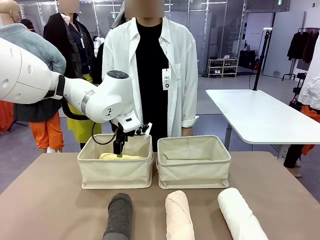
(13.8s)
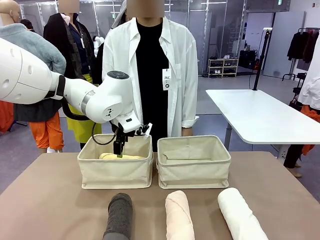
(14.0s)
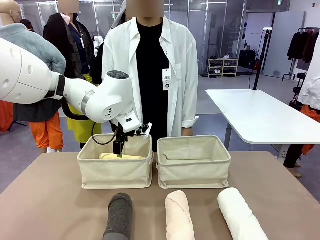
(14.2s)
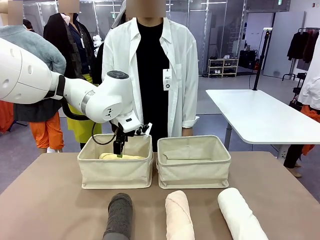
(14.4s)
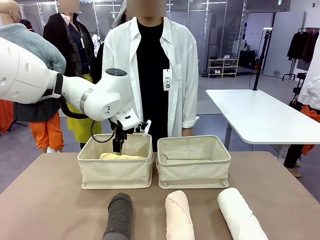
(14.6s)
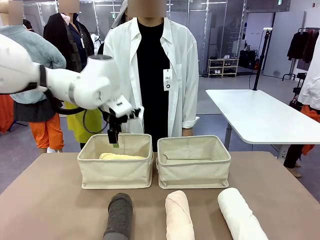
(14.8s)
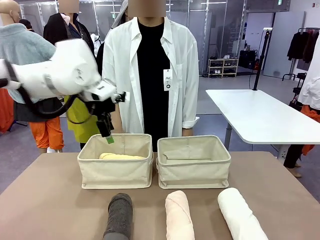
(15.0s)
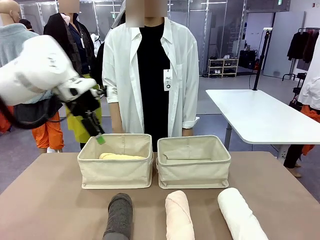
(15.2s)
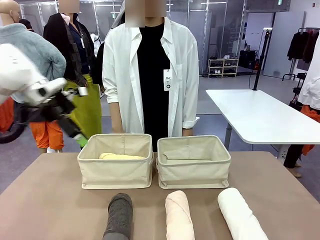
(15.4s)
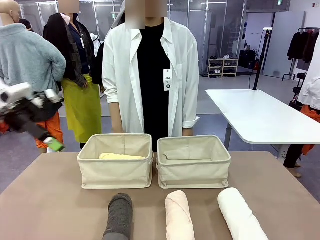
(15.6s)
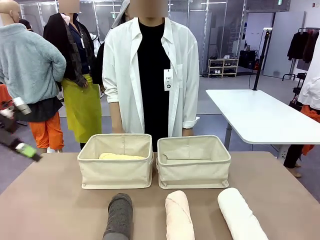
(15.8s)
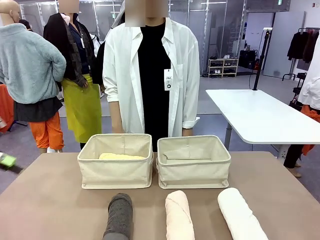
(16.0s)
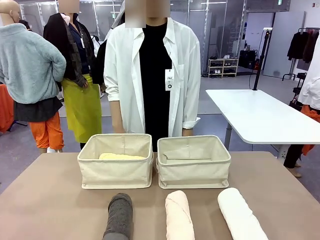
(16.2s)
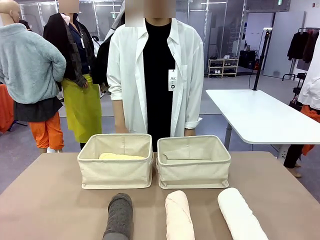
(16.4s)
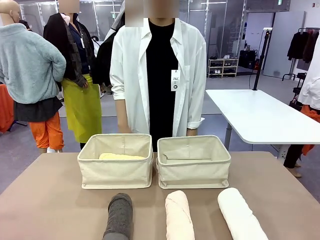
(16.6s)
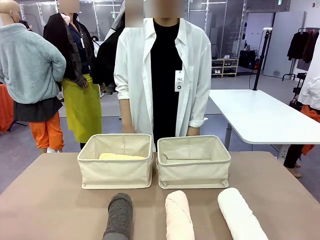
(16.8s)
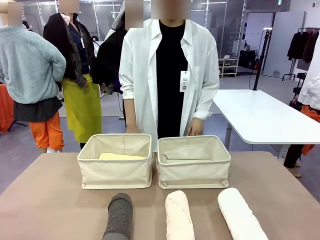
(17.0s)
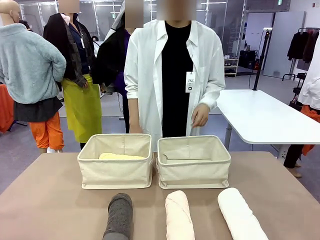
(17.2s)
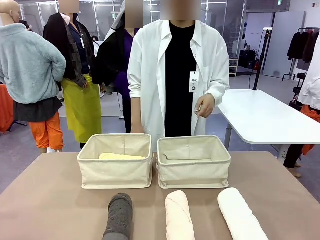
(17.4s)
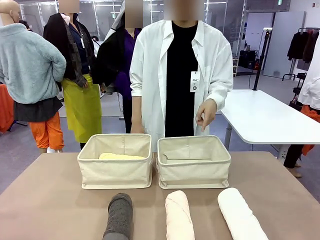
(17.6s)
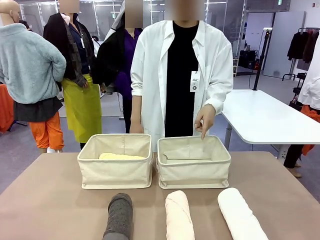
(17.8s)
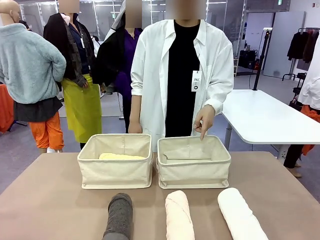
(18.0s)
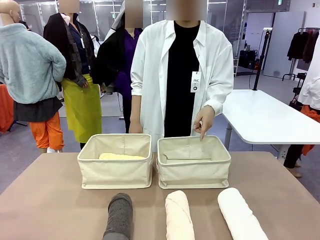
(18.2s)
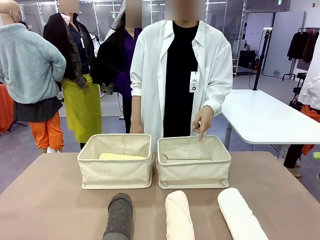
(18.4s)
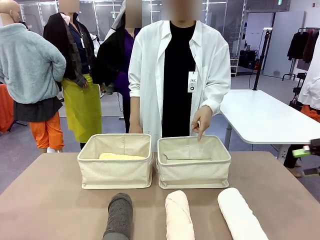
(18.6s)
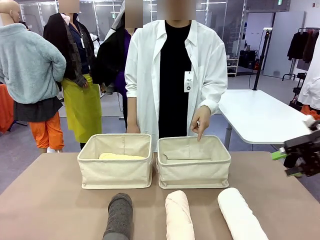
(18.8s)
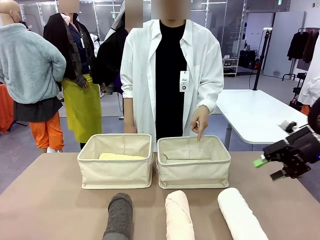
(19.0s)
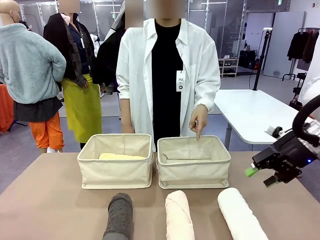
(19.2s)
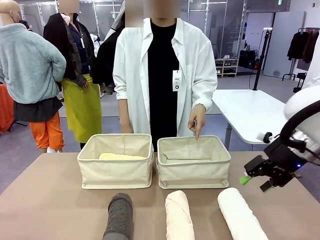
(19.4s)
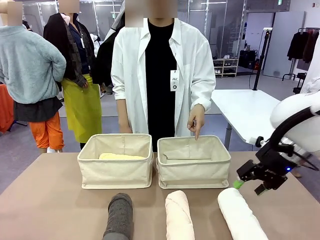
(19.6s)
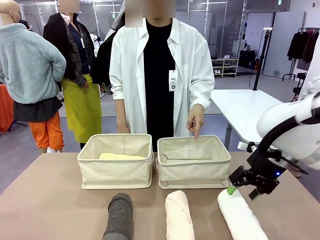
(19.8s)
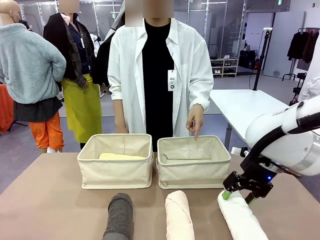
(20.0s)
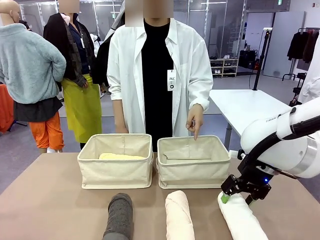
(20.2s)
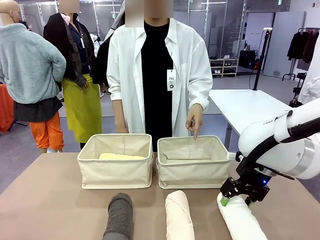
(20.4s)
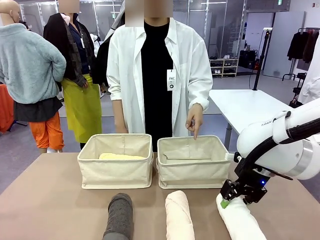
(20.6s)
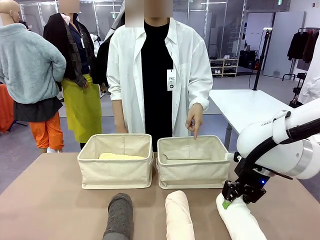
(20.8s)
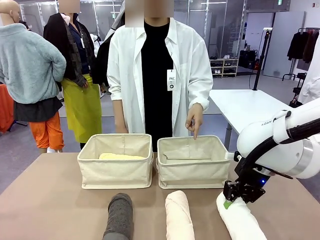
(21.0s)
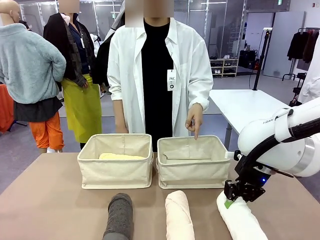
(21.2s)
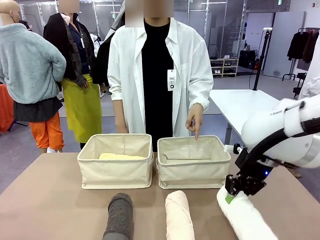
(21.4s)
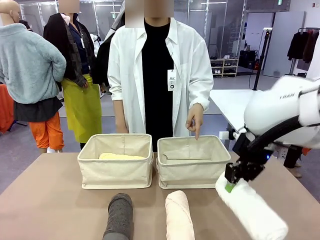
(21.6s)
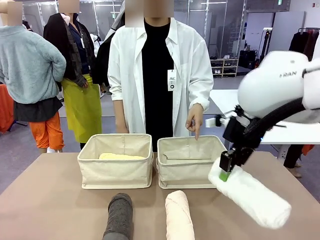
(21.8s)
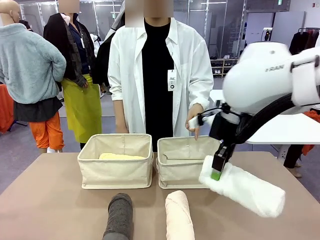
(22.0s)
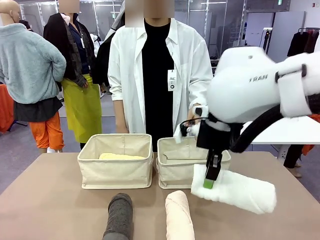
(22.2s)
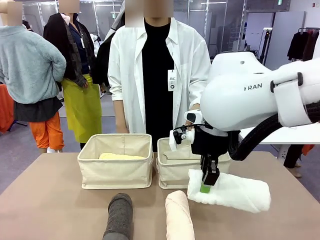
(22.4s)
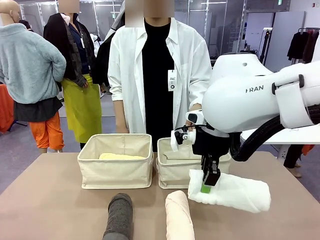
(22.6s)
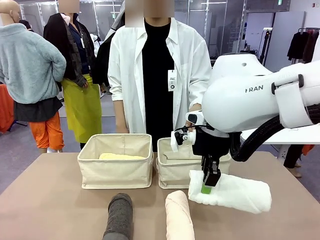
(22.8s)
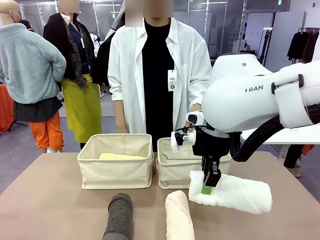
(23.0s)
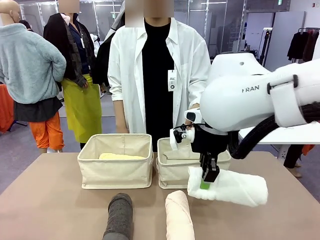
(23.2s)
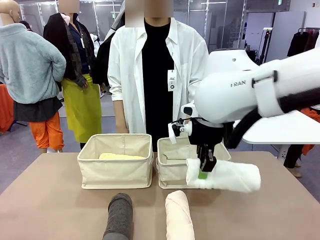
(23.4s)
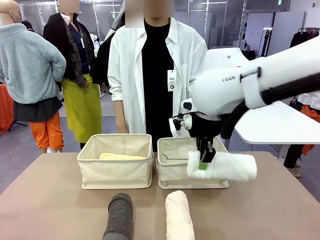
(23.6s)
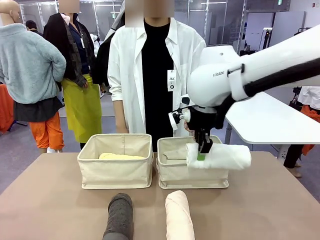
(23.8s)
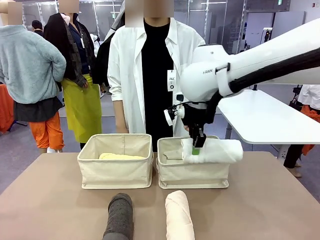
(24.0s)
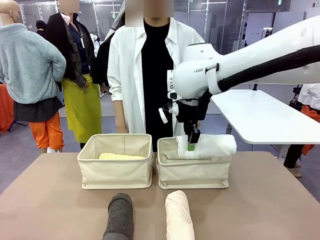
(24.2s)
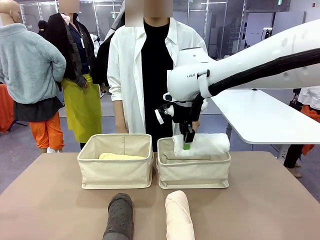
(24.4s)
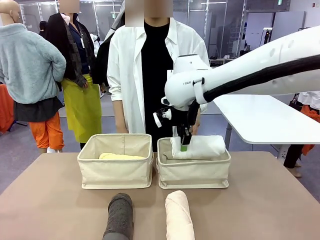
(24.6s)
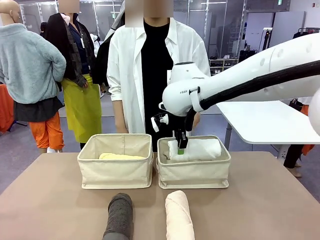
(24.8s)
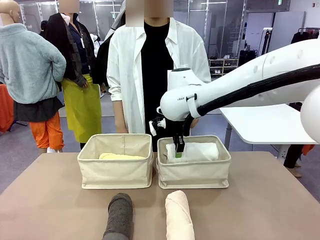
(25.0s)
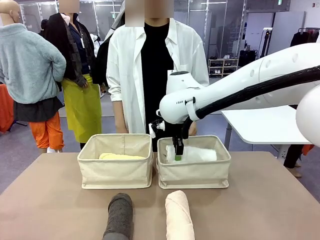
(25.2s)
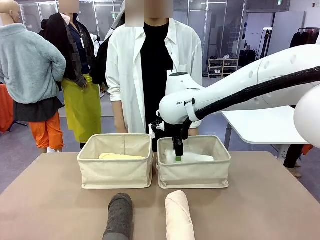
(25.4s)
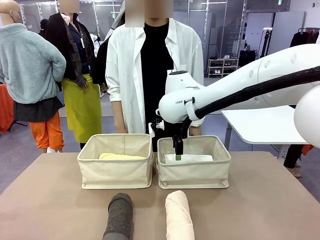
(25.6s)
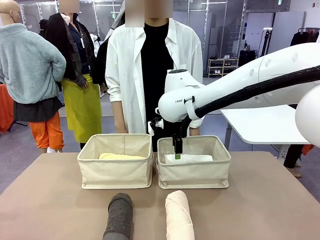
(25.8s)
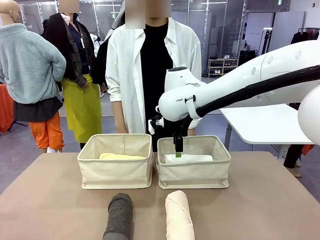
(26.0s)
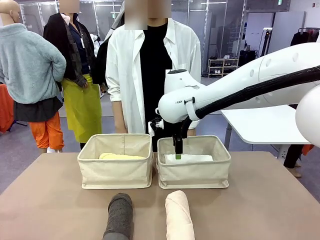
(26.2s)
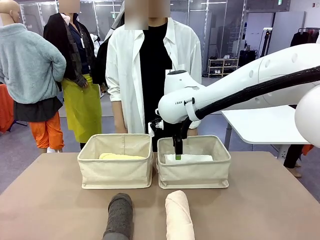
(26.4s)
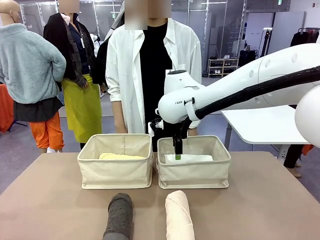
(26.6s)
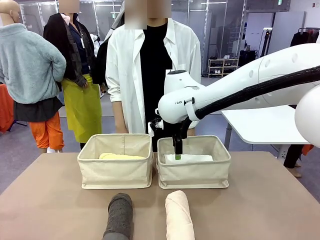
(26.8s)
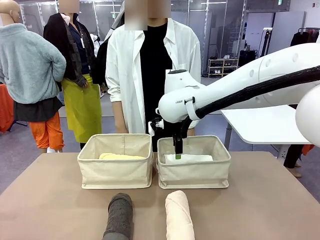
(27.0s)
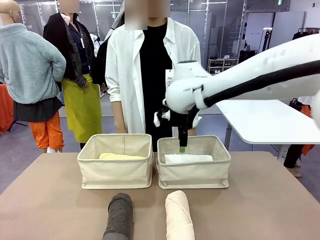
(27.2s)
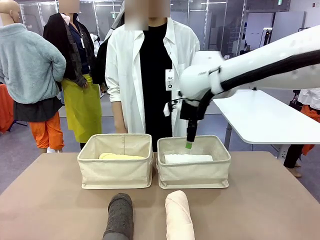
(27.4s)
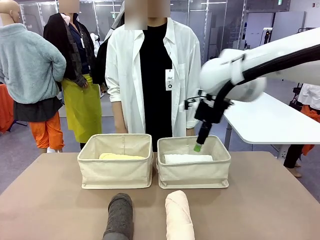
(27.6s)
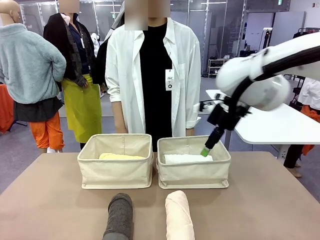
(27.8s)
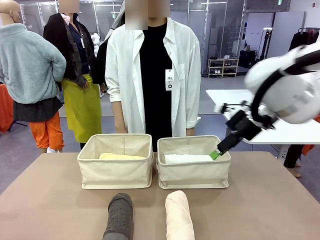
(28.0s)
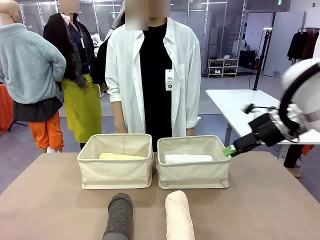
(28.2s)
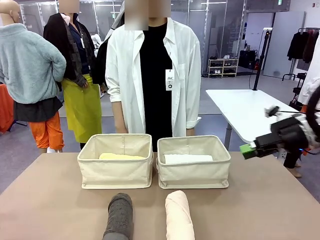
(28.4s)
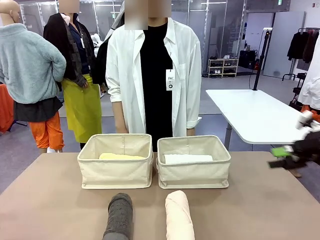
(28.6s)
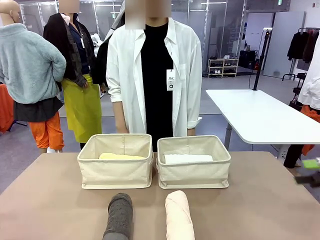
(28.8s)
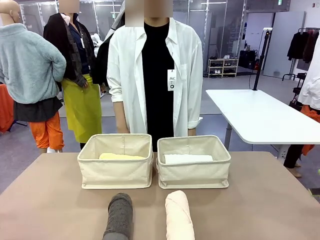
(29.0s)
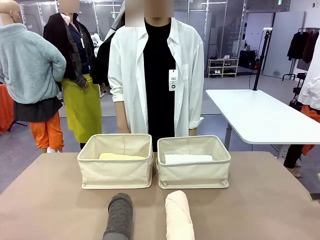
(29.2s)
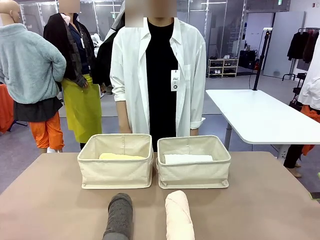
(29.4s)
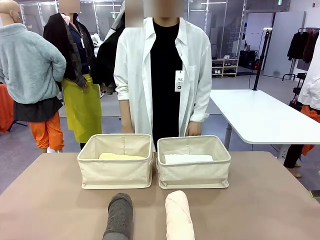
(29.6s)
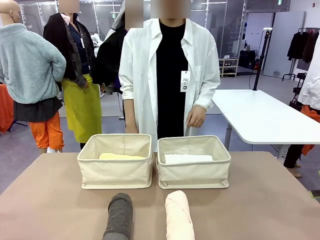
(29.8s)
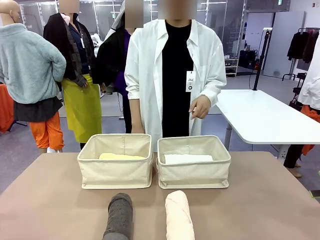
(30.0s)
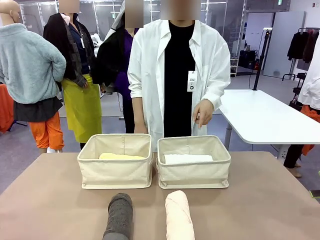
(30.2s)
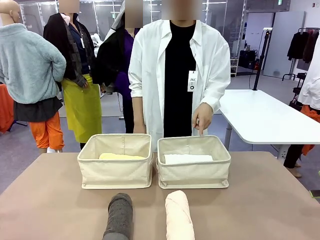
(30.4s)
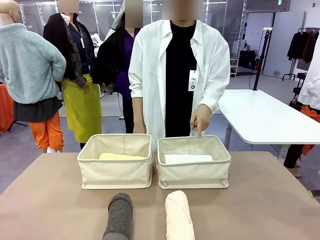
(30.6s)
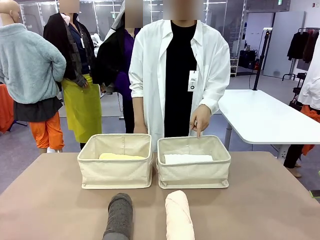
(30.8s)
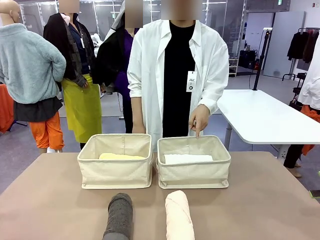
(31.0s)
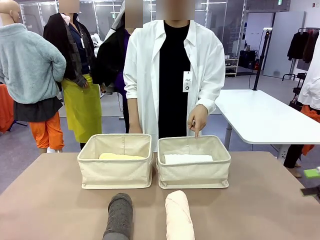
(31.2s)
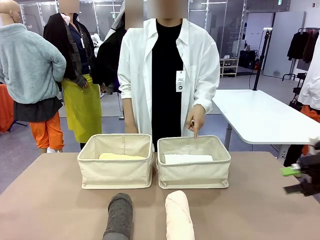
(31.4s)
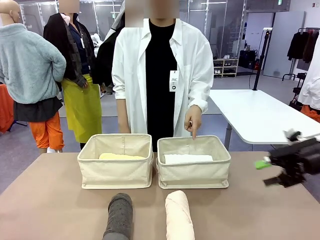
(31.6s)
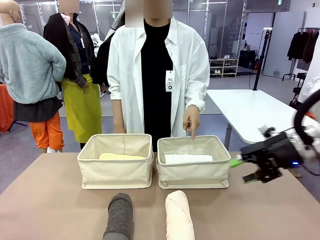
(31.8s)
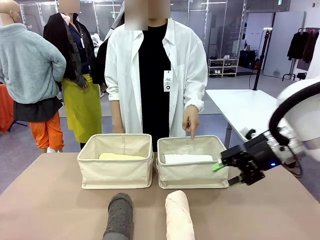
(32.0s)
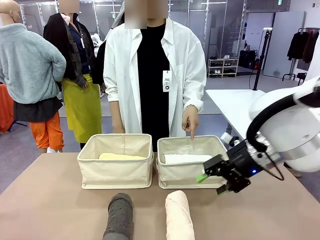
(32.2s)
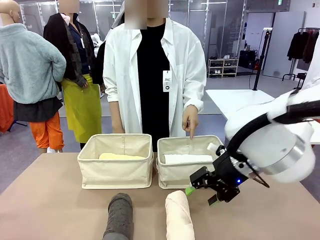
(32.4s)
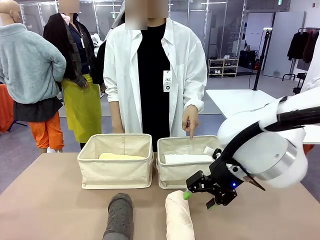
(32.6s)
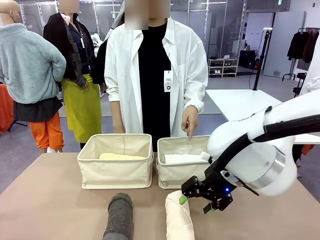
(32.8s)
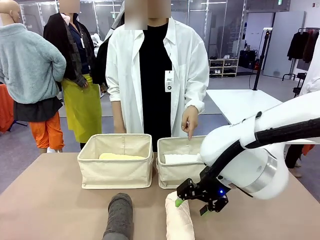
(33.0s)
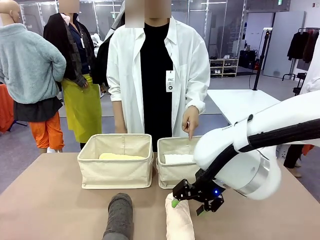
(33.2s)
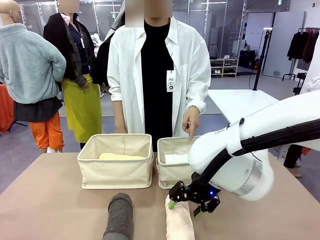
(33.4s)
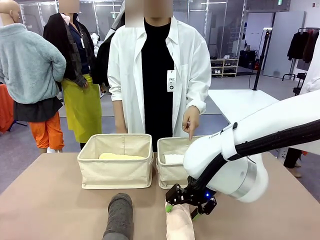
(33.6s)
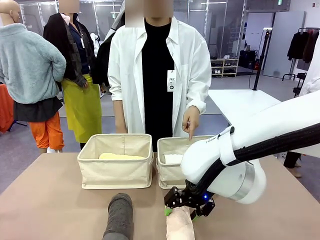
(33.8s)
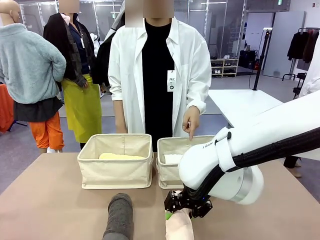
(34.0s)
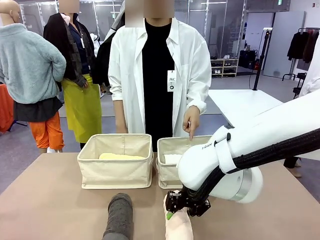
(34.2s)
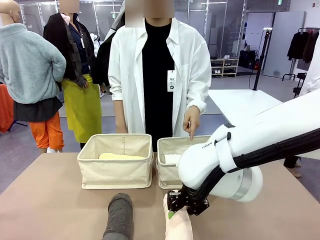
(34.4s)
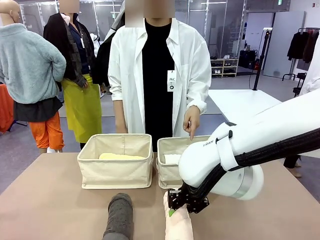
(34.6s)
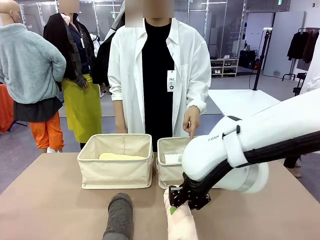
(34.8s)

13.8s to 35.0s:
Task: Divide the towels into two baskets.
Robot: Pick up one hotel-folded towel from the bottom of the table and place it in the Fabric basket indicated by the person.
